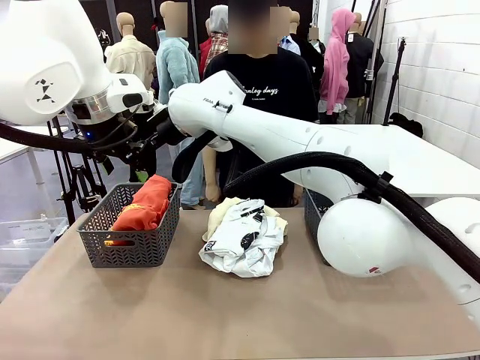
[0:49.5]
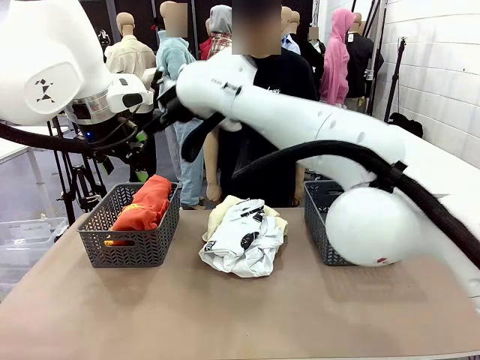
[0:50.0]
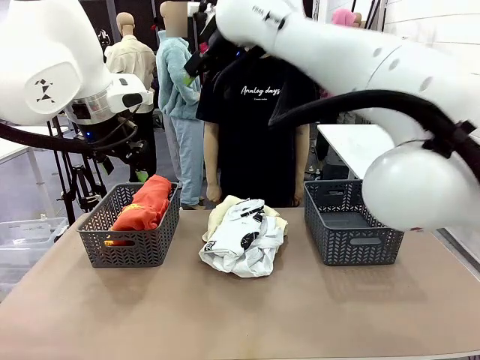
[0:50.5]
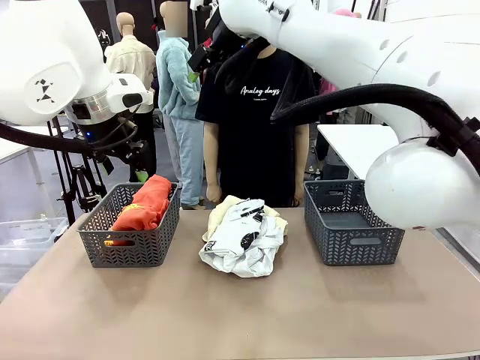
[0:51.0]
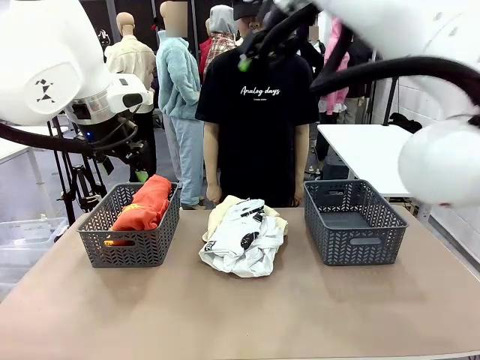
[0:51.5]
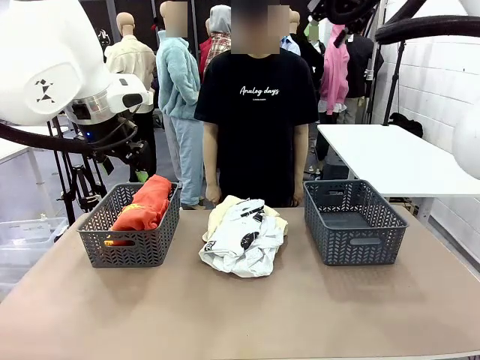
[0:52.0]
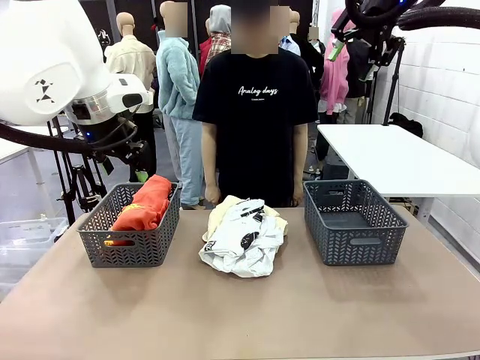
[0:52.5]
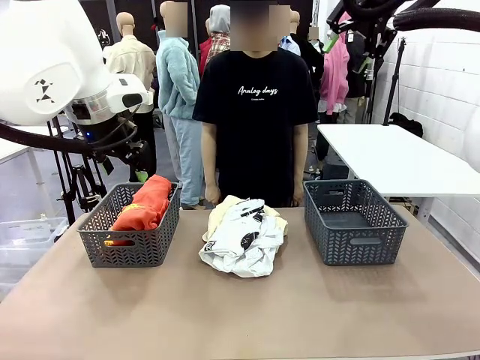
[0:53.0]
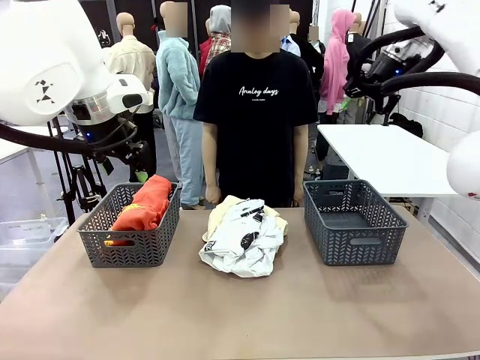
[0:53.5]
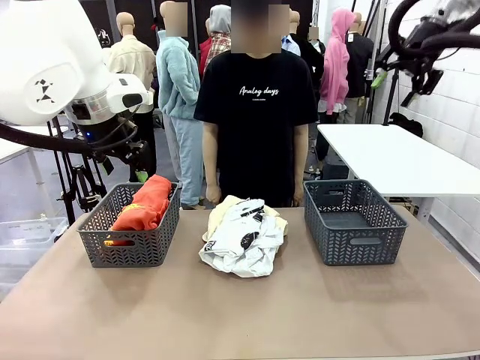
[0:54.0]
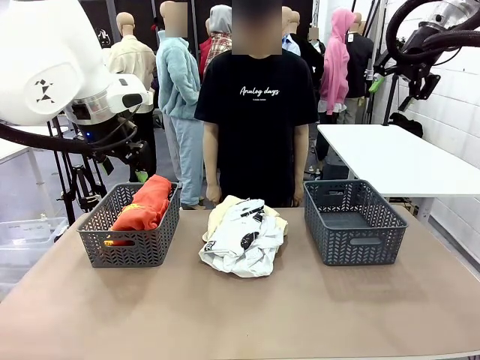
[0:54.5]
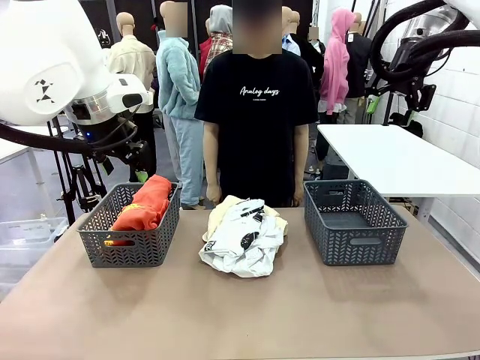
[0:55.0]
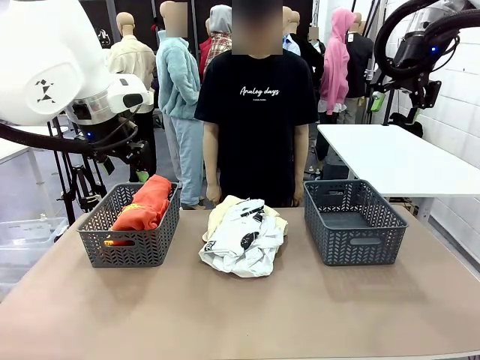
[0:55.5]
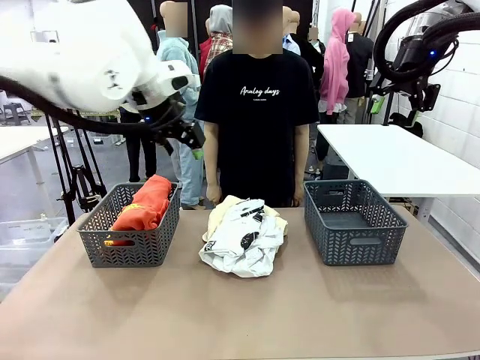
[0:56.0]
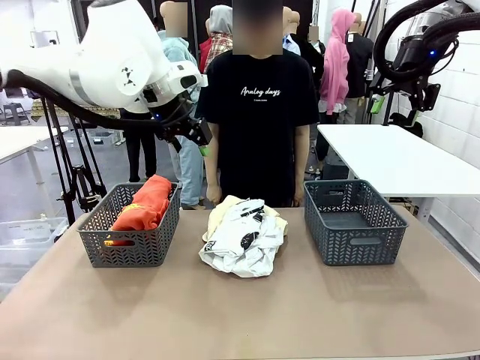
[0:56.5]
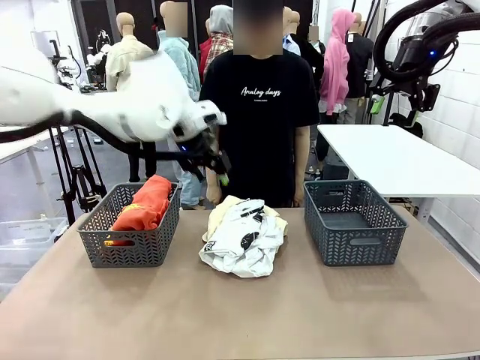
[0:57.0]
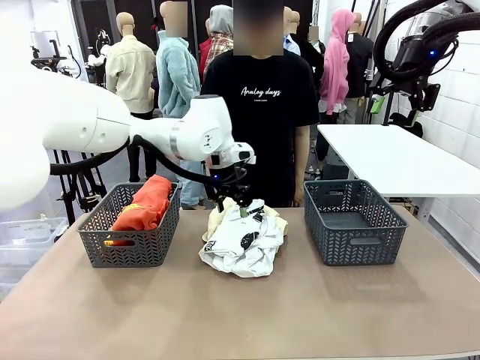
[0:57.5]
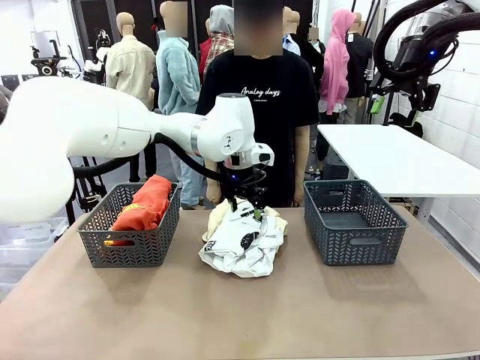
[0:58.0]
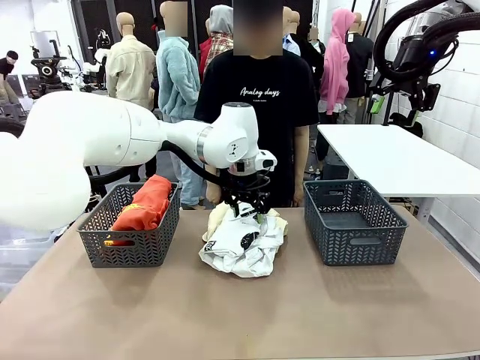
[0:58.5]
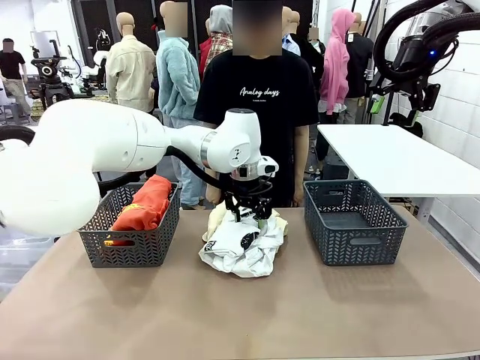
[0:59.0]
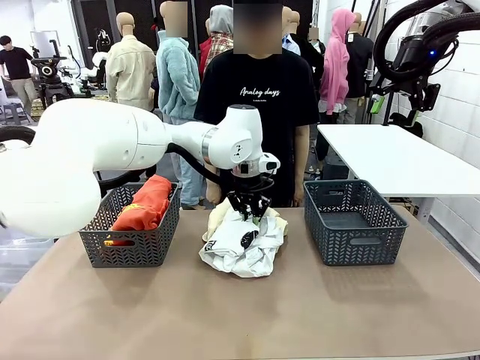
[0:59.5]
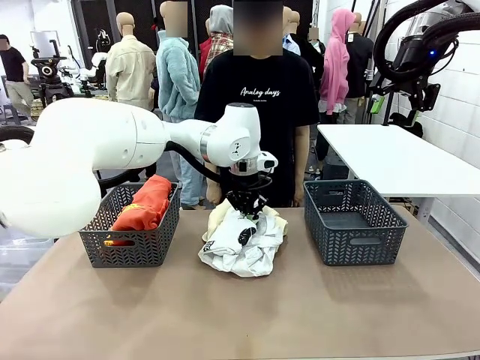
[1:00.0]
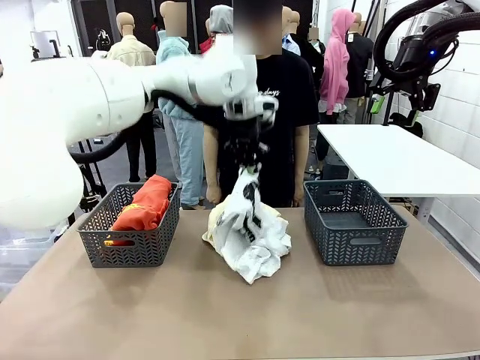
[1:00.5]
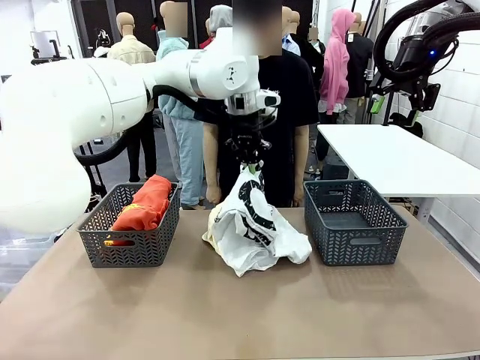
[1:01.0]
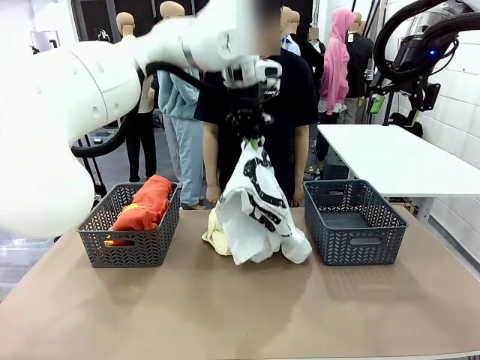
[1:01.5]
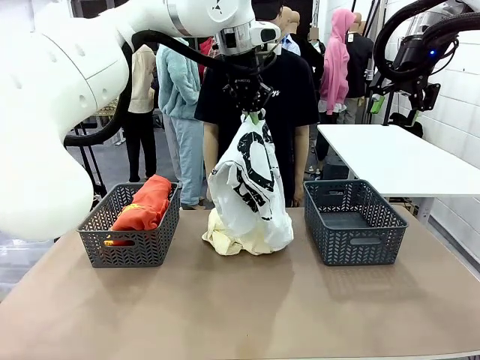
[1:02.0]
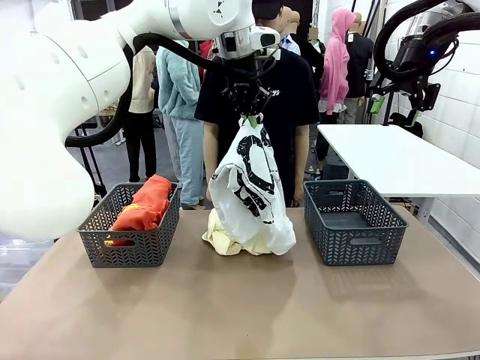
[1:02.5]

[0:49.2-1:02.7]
Task: Sort the tops and bottoms.
Robot: Lift clothes from the center of the table with your left hand.

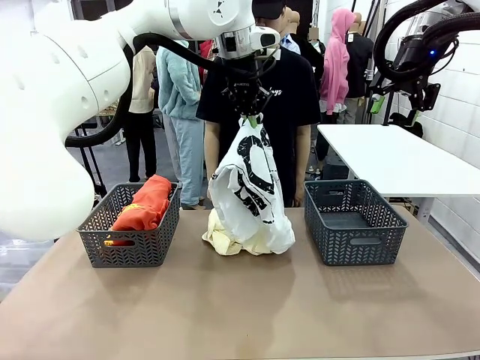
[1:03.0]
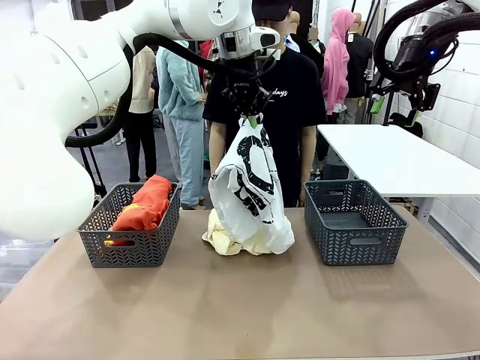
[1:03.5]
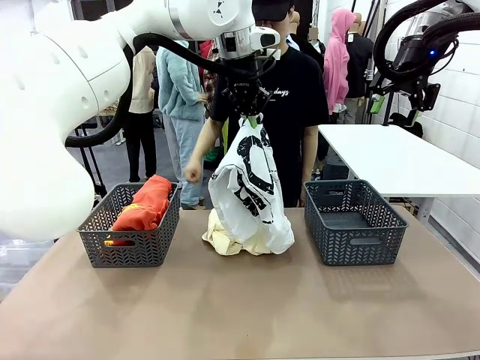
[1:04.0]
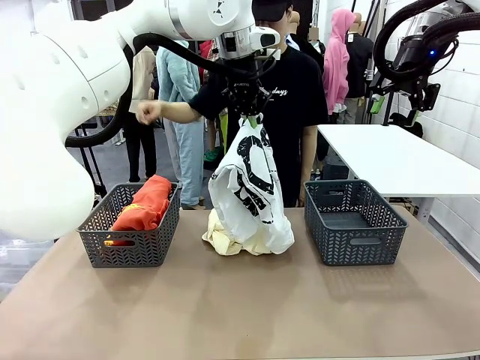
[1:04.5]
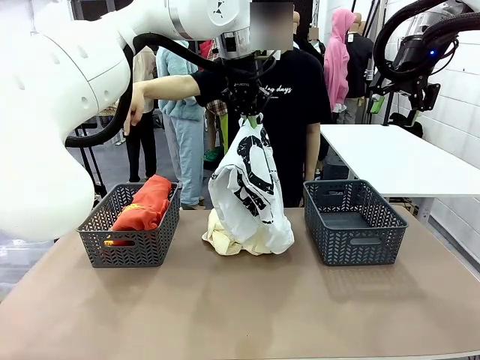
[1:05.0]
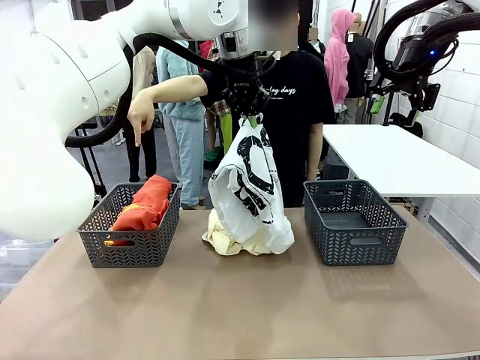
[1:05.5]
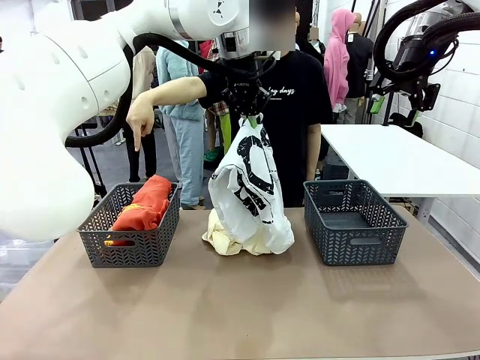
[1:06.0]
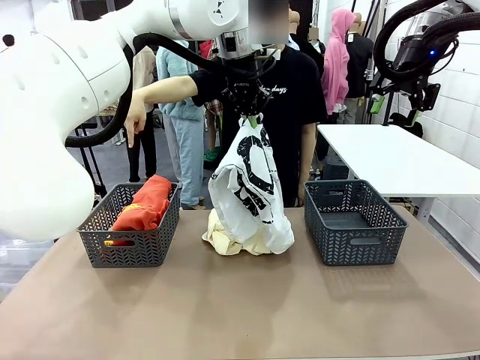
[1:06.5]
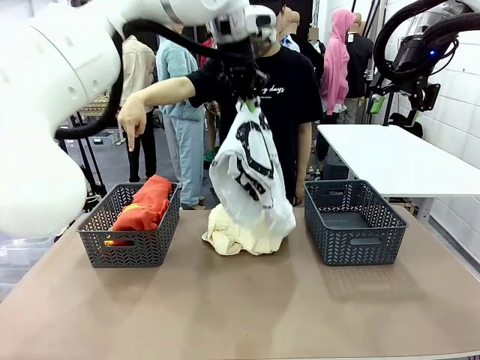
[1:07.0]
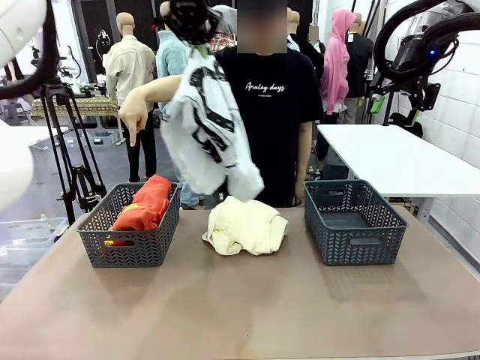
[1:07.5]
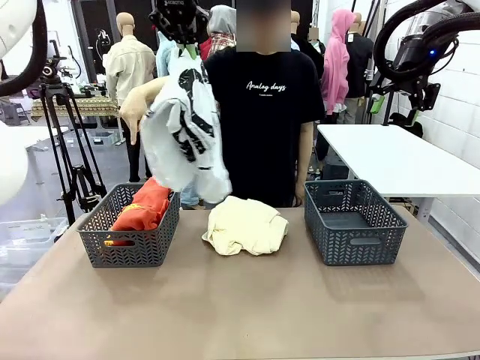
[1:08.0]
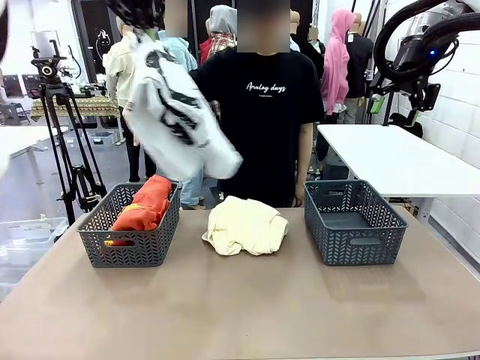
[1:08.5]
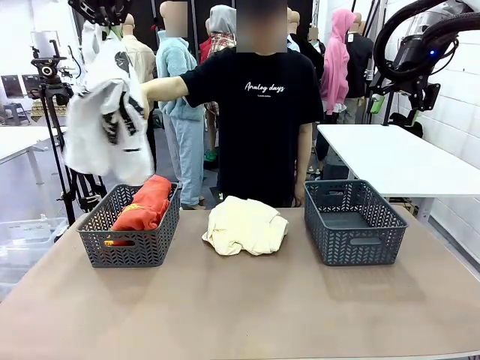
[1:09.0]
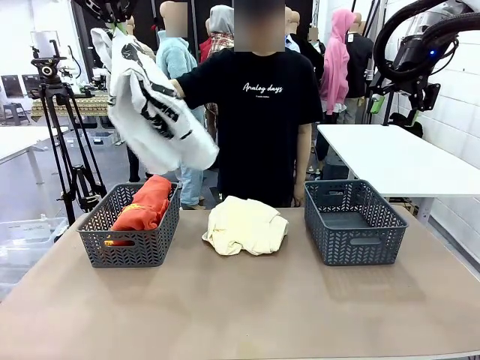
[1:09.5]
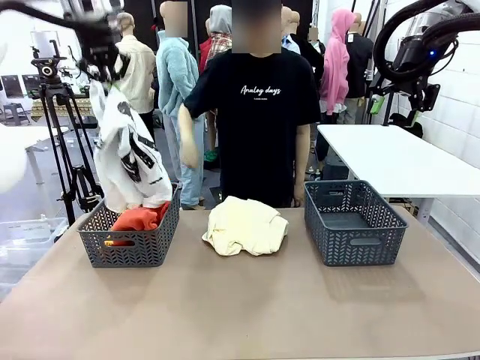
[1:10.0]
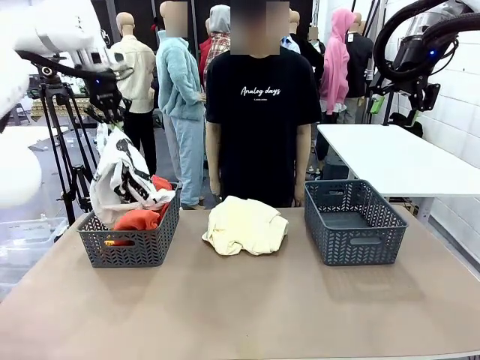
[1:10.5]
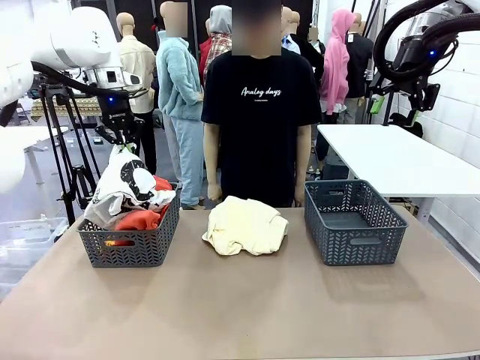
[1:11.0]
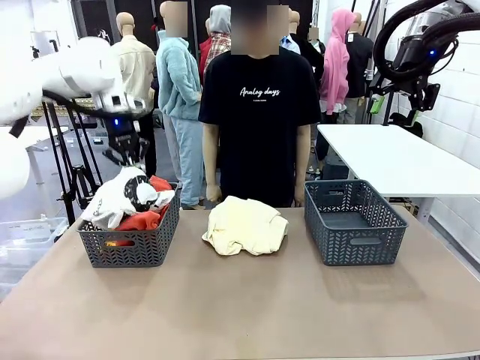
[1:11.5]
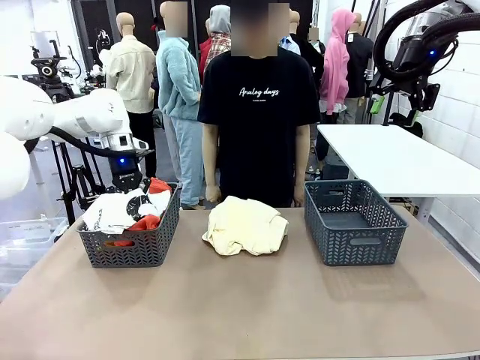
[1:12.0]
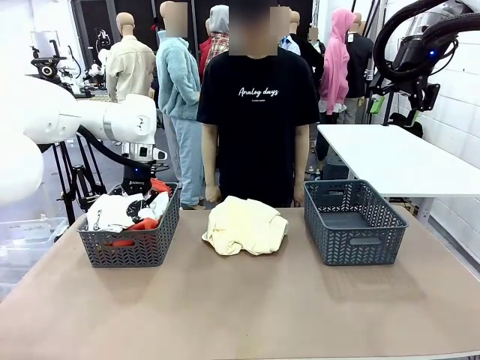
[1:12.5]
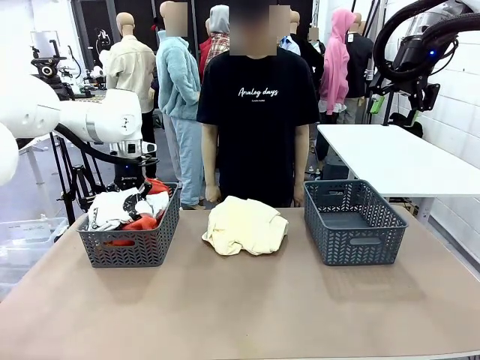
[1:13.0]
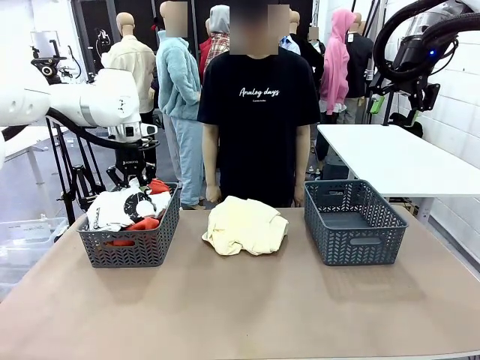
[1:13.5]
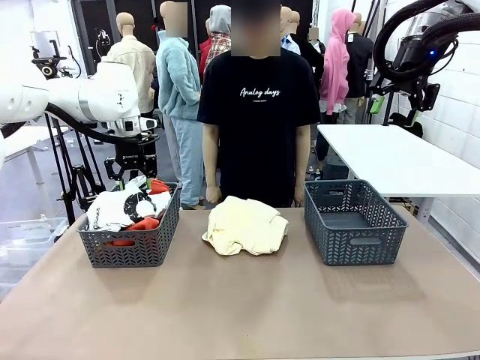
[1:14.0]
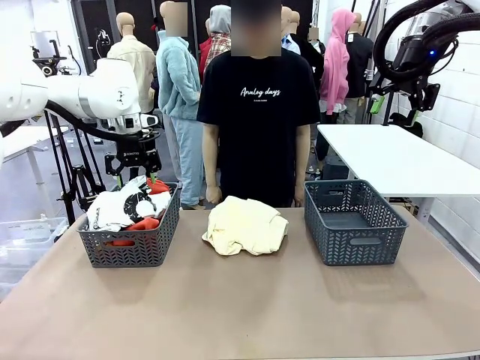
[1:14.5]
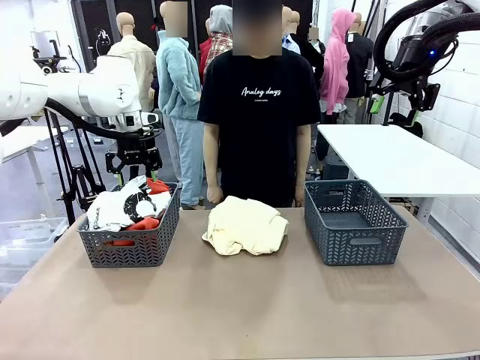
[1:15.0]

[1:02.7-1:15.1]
Robot: Sort the clothes according to human instructions.
